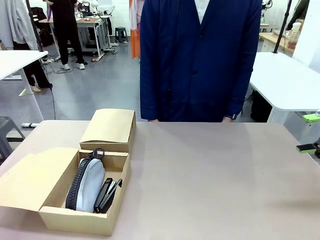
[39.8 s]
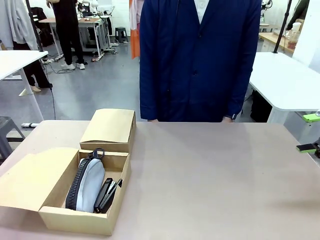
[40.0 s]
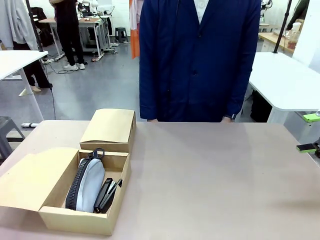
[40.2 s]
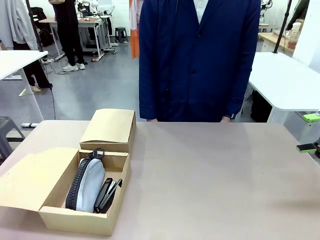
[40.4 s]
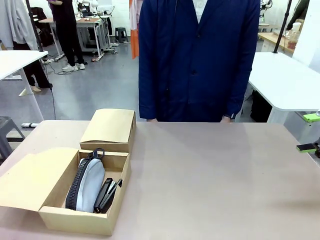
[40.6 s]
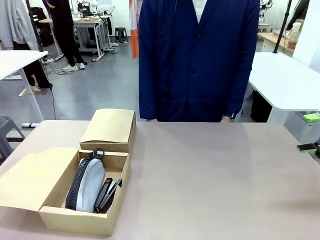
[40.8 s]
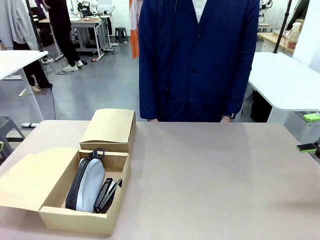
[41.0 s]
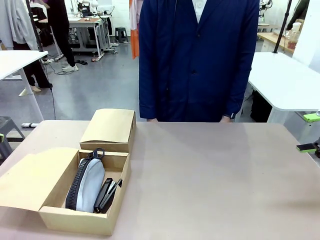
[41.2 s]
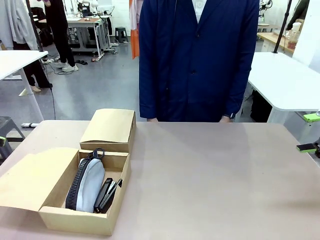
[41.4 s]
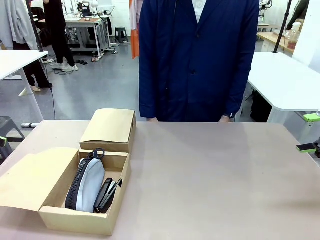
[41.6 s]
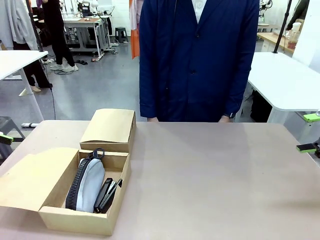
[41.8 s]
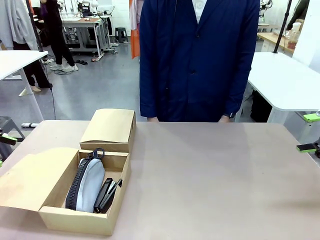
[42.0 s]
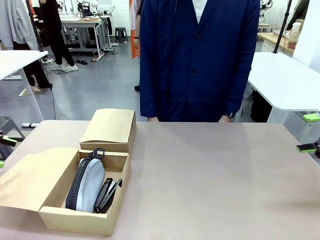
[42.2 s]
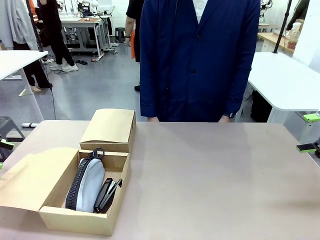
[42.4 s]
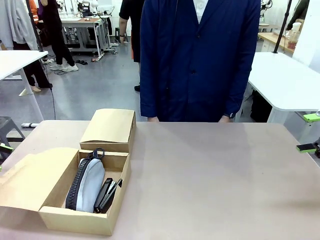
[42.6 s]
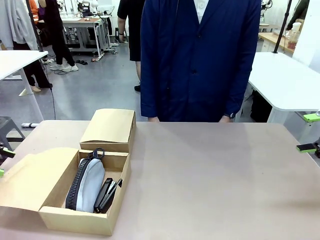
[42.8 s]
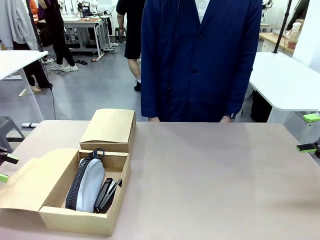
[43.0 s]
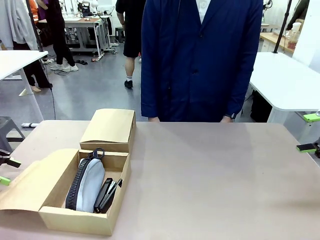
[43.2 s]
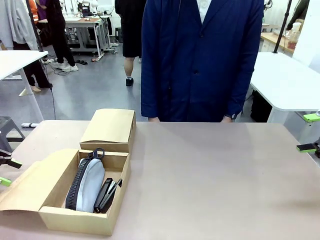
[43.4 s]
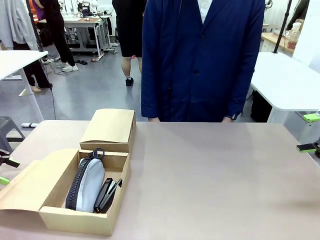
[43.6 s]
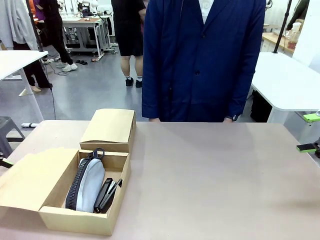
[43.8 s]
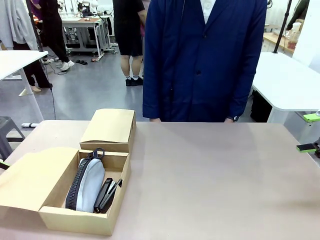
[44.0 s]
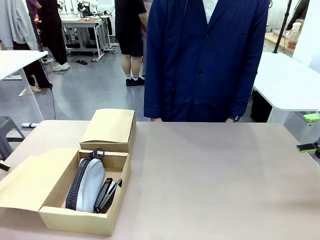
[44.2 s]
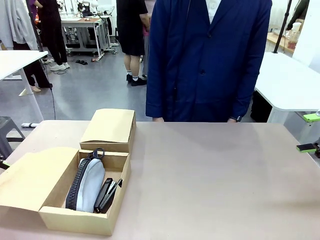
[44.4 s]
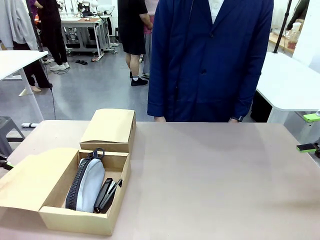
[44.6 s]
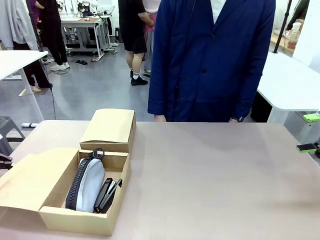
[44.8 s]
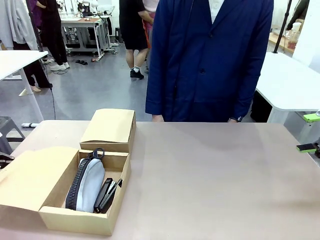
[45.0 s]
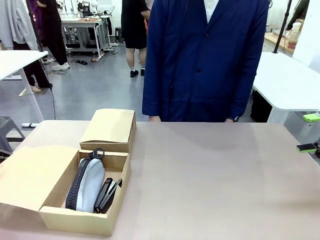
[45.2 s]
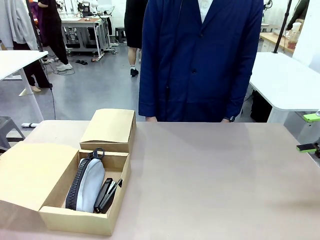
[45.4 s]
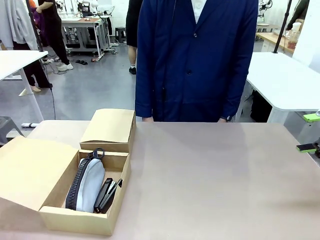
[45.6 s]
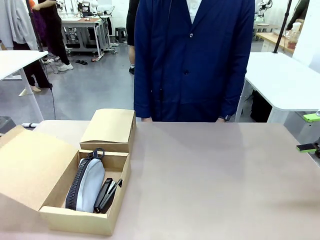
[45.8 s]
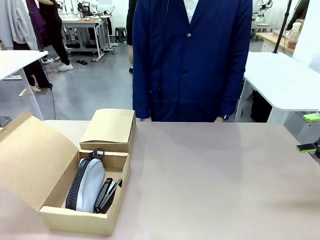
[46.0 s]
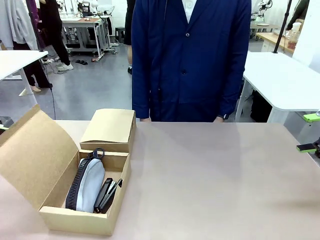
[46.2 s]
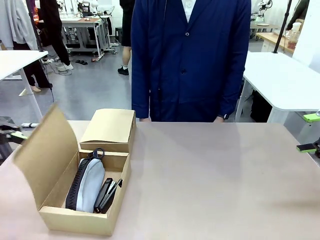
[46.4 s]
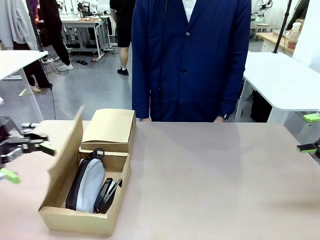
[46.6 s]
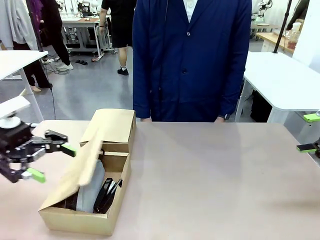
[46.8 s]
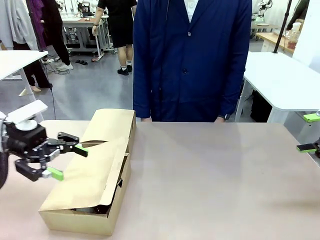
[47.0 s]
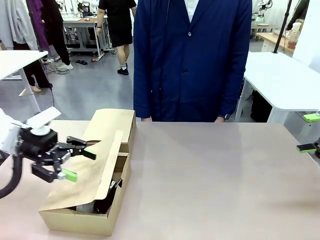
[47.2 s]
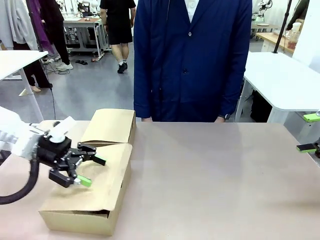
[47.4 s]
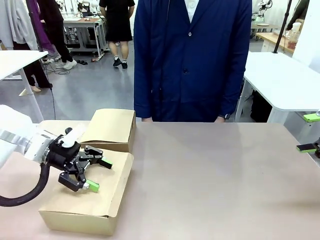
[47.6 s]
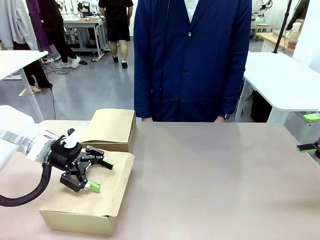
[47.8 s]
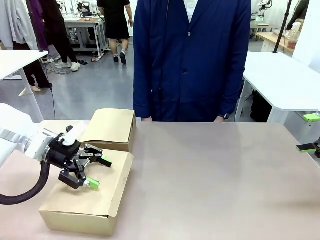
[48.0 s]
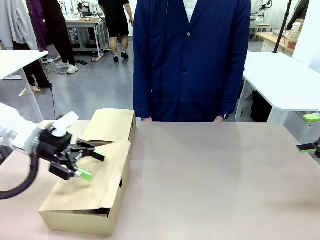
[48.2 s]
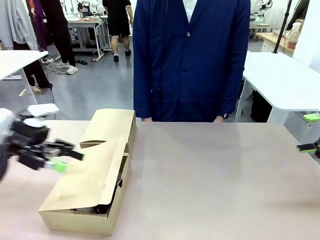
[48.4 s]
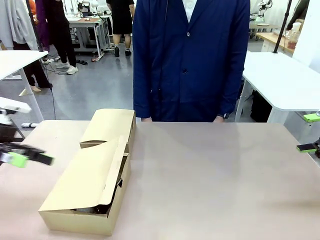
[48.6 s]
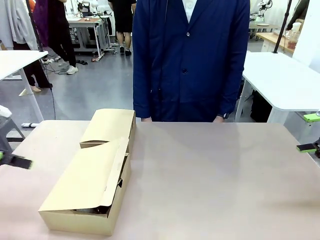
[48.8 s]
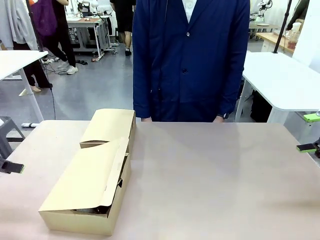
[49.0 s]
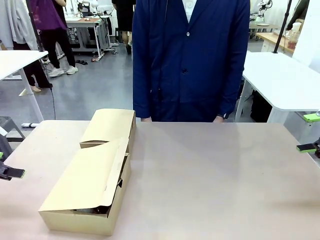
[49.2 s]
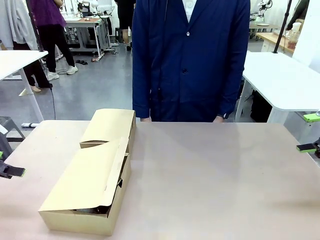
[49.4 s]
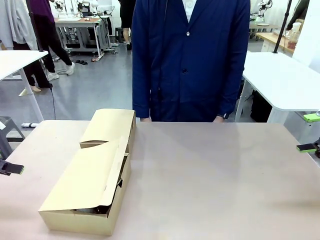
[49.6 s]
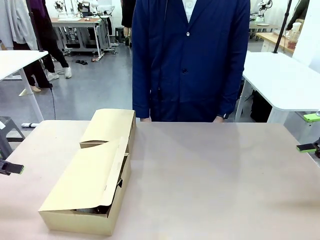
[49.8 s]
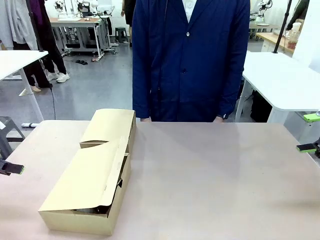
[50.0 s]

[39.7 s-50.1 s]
Task: Place items inside the box.
Robot: Close the lid of the Mailer Box closest to the robot.

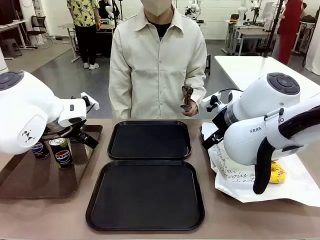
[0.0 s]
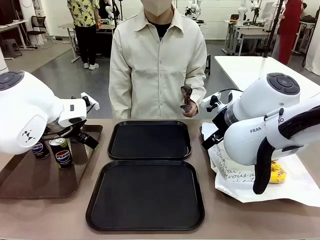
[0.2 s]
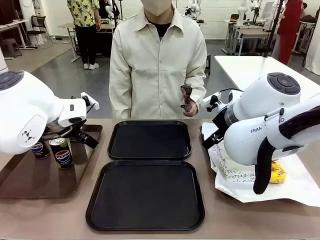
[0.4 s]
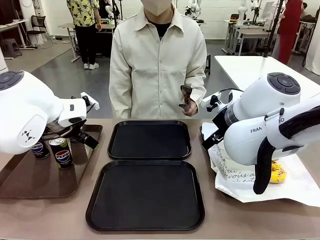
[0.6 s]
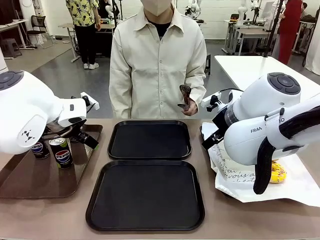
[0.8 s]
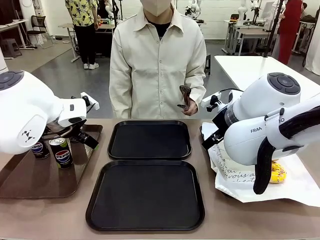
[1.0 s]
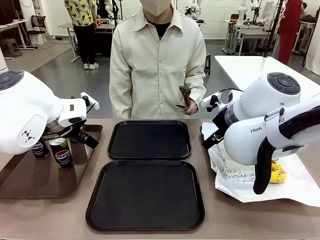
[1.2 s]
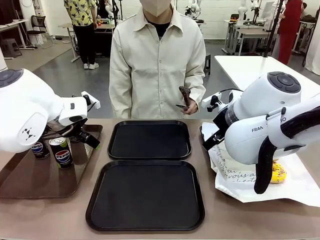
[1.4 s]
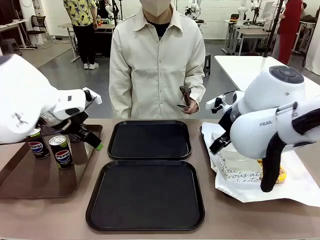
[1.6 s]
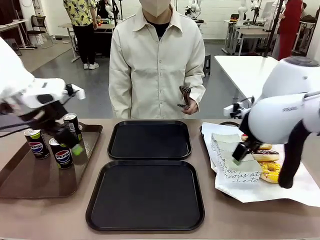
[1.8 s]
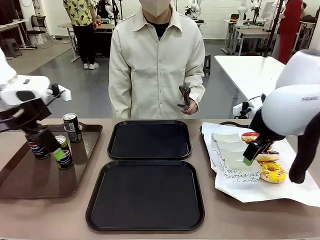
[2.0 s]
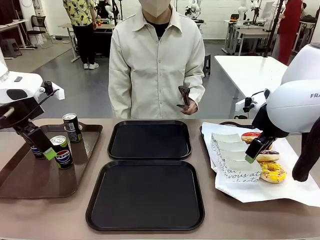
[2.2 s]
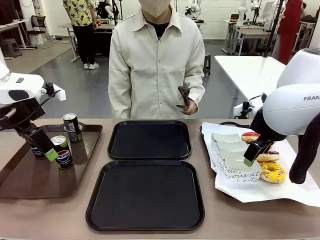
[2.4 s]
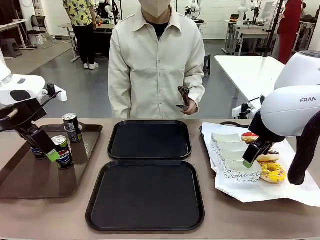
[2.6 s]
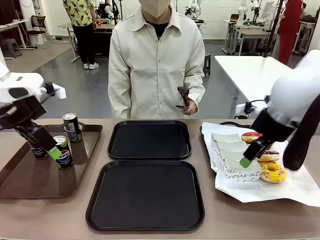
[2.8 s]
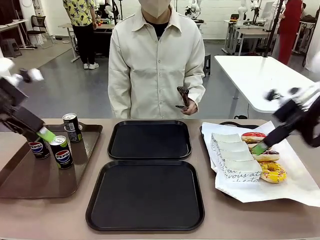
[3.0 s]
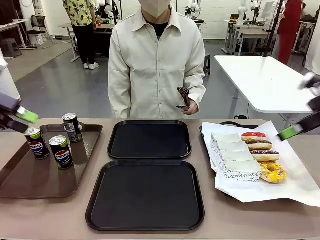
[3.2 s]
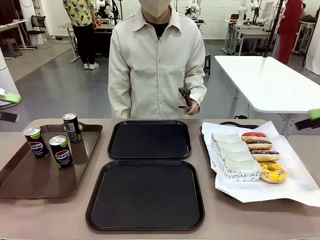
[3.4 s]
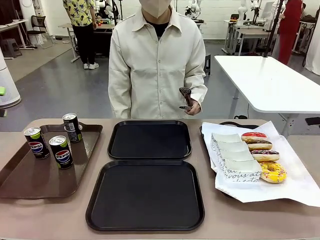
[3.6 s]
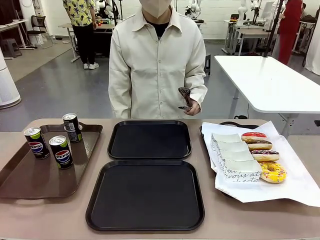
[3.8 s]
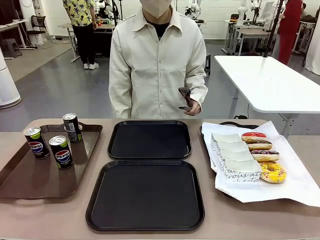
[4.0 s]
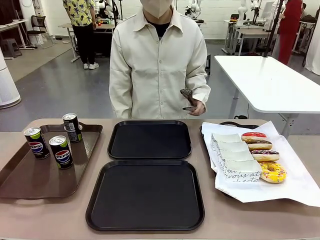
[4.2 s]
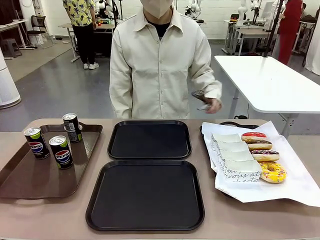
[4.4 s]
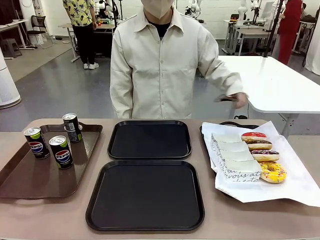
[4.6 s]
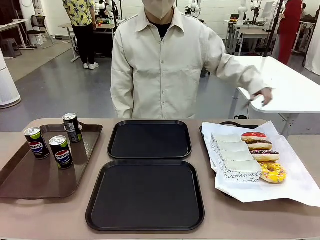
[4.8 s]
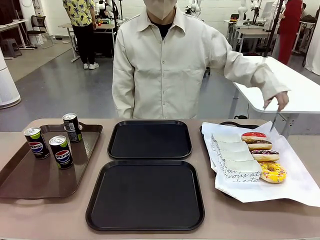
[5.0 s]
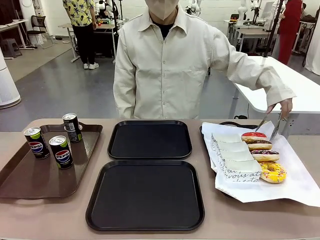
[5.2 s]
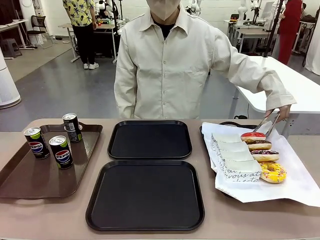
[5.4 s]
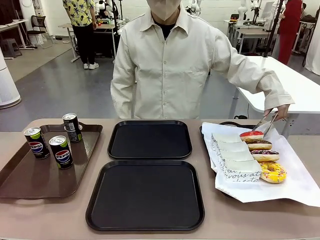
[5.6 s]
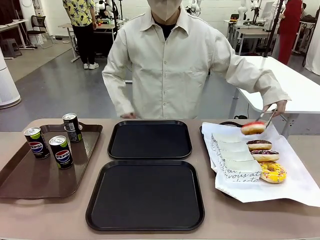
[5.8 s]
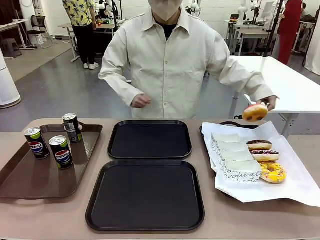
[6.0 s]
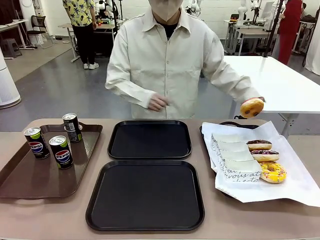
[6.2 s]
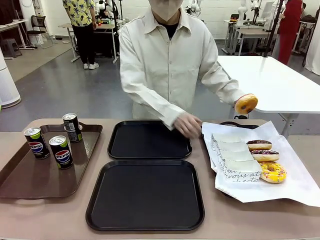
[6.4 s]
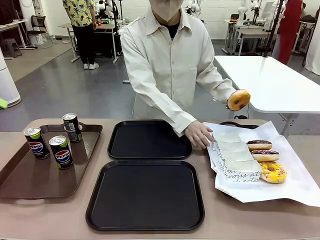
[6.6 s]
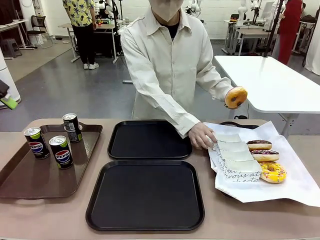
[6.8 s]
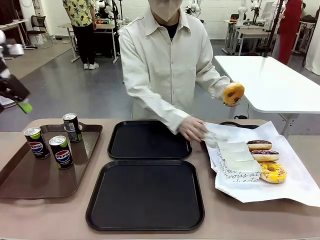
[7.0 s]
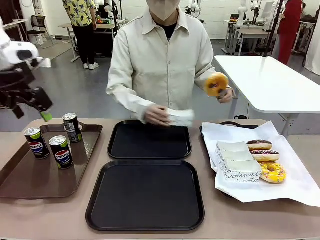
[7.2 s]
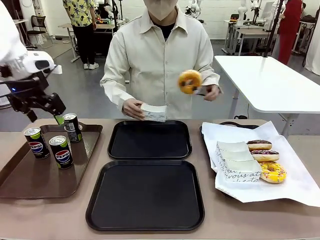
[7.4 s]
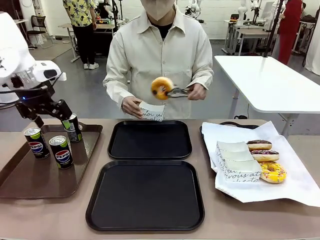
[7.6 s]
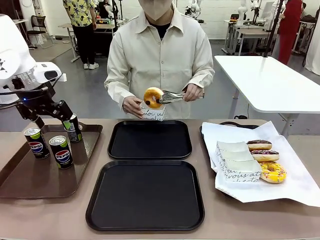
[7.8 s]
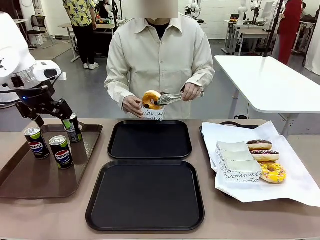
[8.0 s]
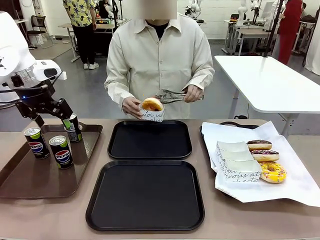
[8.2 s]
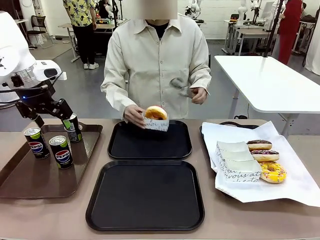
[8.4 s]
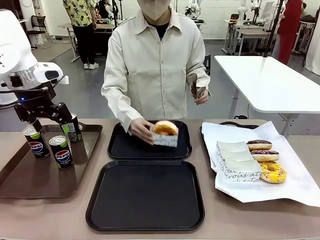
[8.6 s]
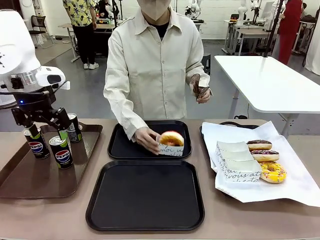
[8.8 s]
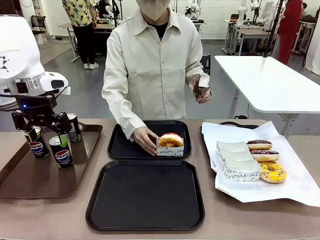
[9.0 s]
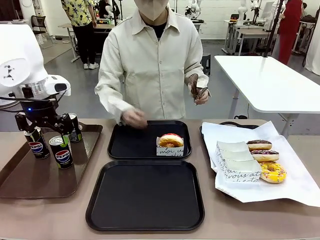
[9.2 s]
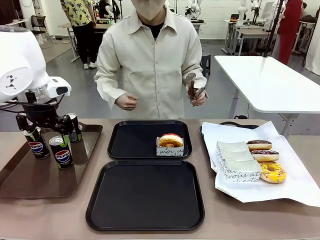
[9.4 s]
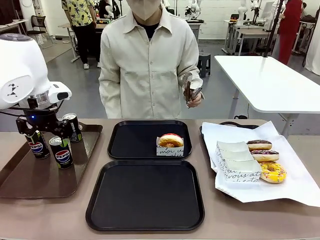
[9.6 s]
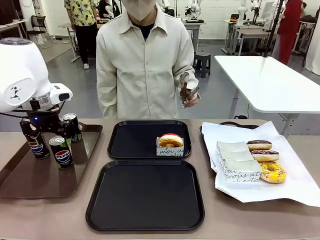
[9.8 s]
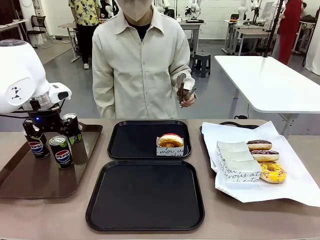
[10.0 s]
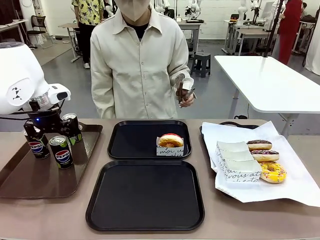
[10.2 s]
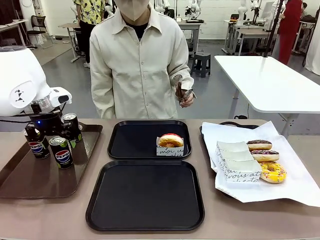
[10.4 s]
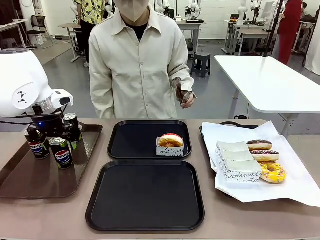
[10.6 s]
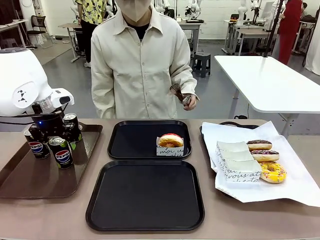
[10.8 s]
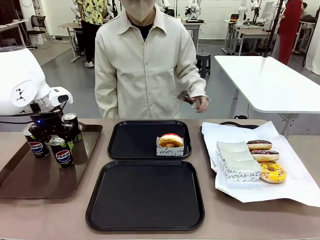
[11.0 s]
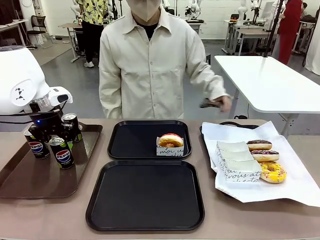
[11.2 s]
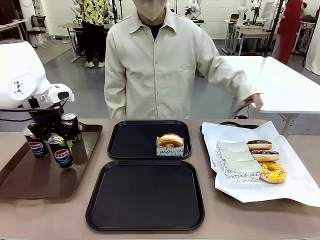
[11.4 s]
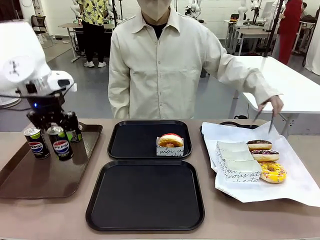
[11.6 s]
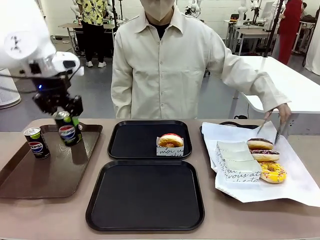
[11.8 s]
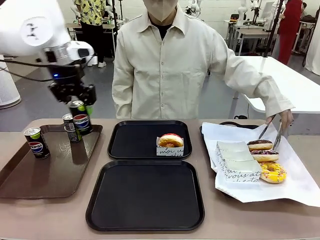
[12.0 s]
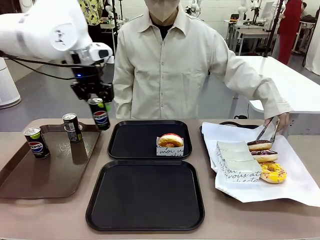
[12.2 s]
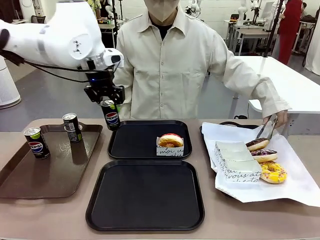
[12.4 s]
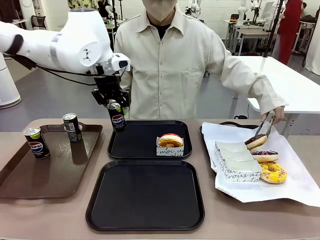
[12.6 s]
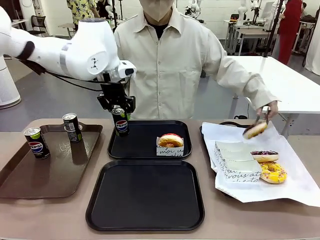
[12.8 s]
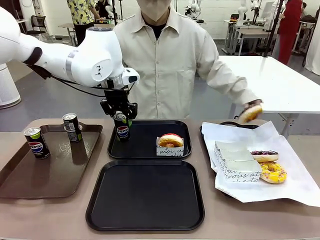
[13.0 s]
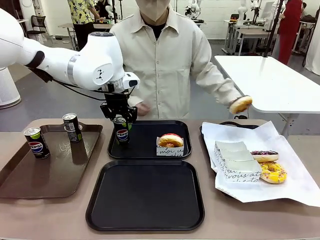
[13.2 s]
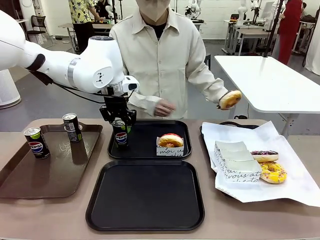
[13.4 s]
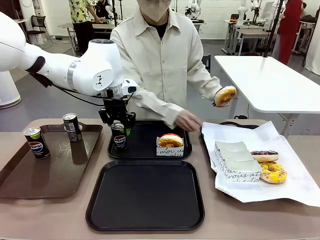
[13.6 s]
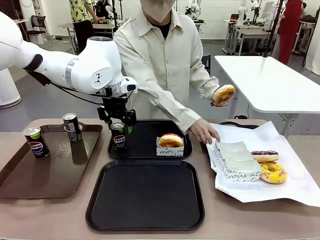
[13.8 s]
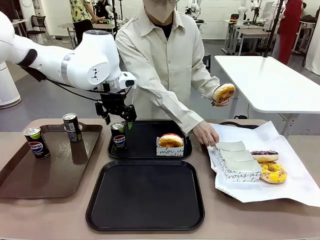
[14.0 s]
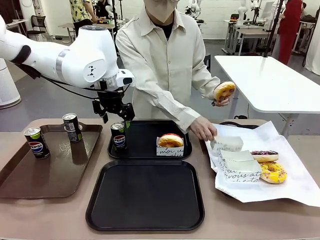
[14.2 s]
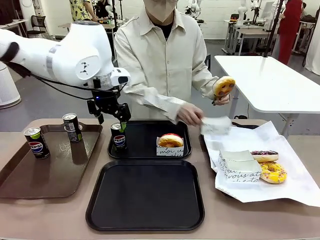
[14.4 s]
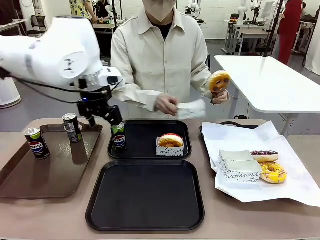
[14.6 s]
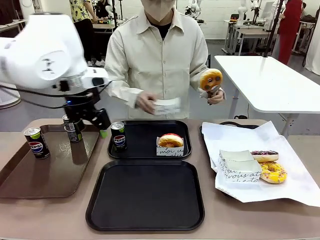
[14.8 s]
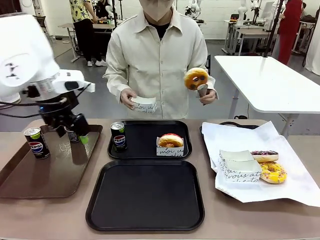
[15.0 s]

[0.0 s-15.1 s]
Task: Set up donuts and drinks on trays.
Robot: Pick up one Pepsi coke and place it on the Flat Tray.
